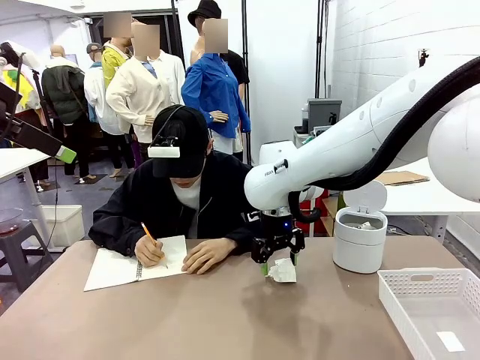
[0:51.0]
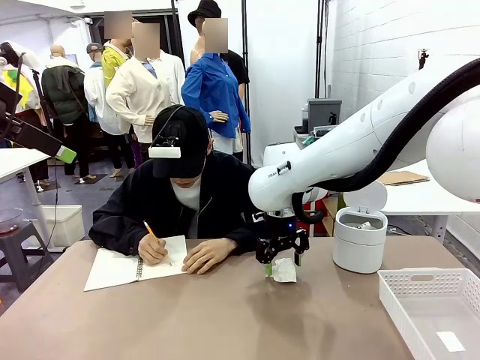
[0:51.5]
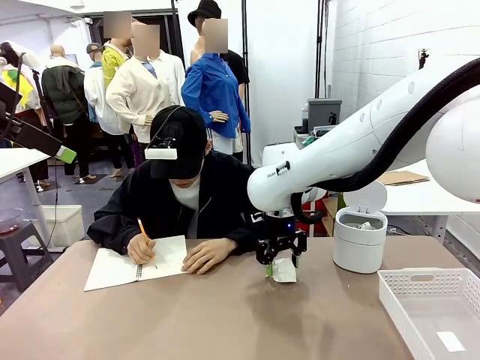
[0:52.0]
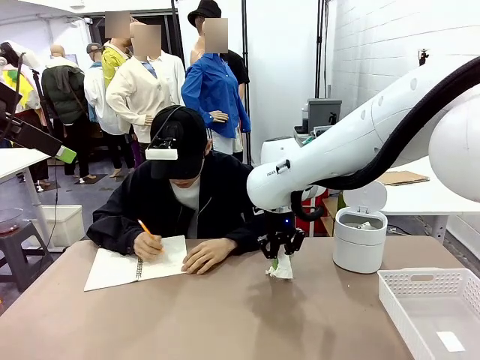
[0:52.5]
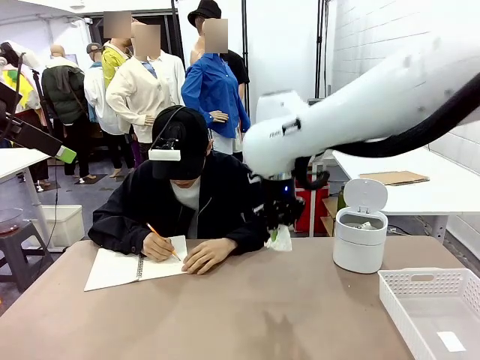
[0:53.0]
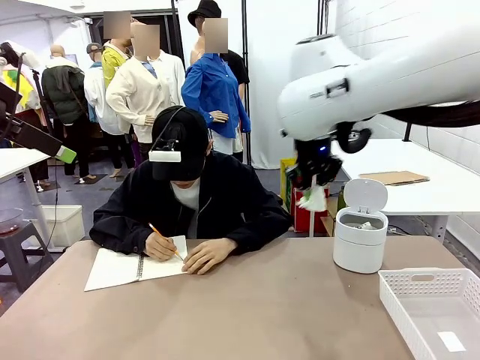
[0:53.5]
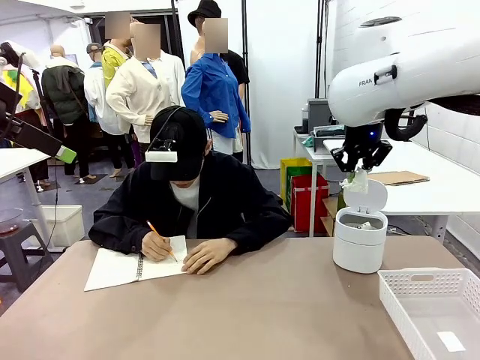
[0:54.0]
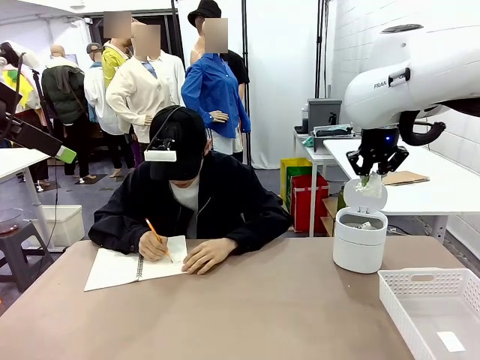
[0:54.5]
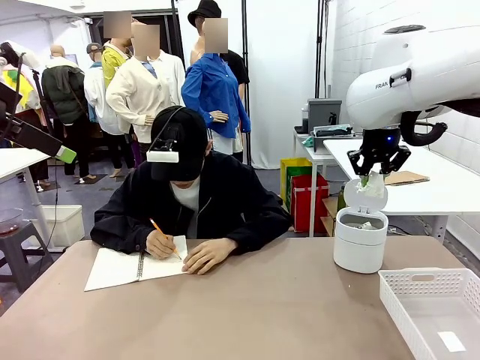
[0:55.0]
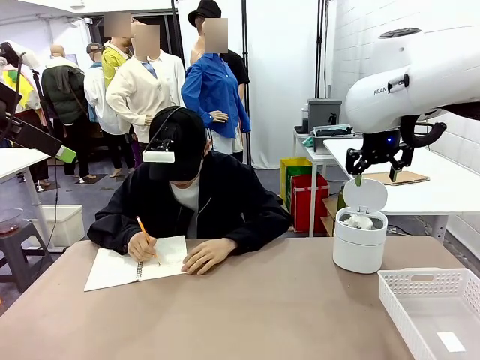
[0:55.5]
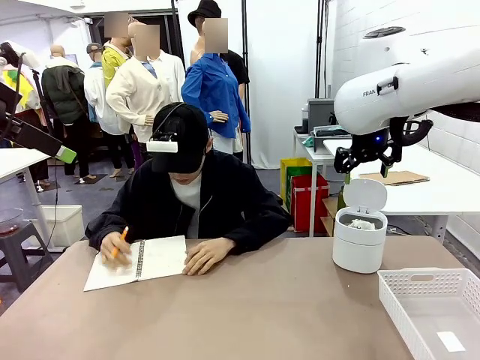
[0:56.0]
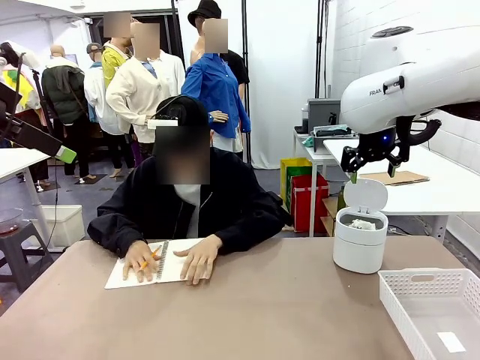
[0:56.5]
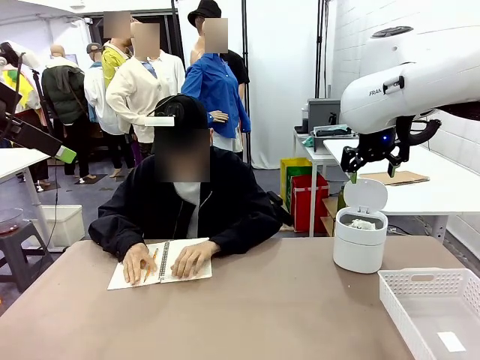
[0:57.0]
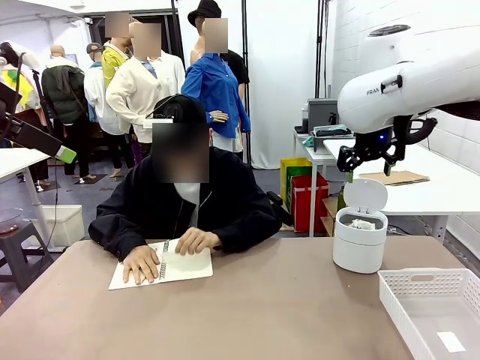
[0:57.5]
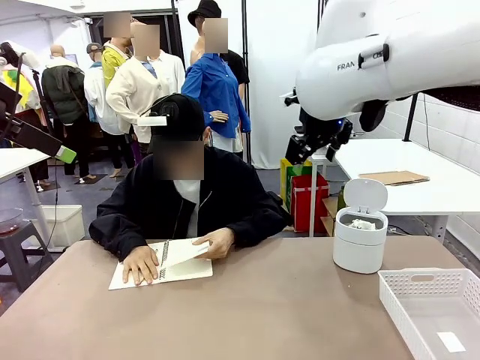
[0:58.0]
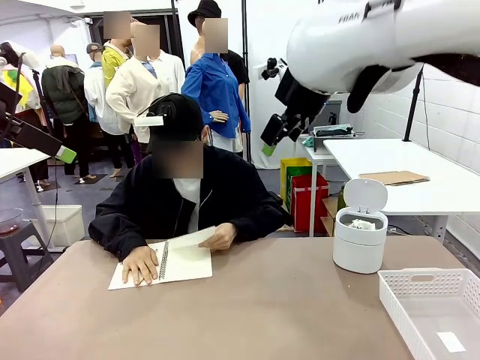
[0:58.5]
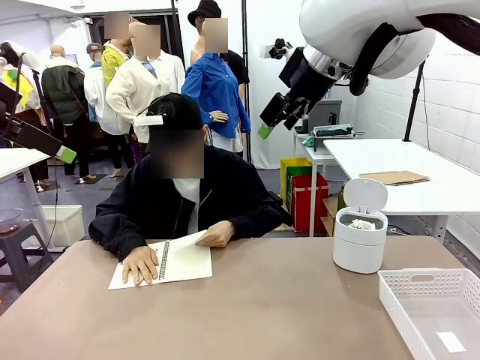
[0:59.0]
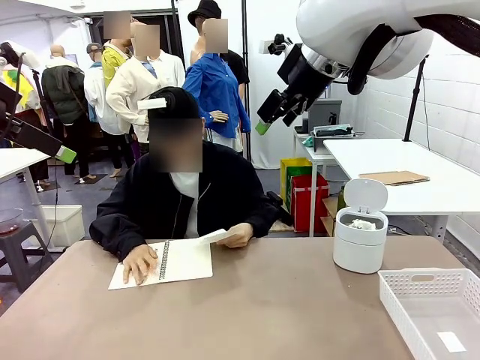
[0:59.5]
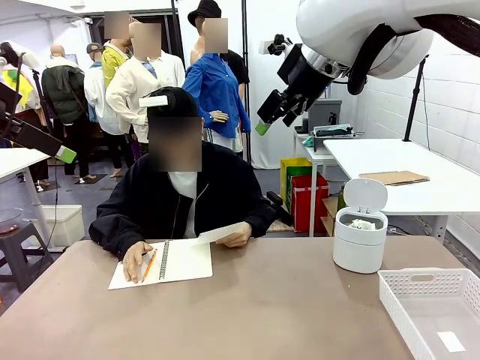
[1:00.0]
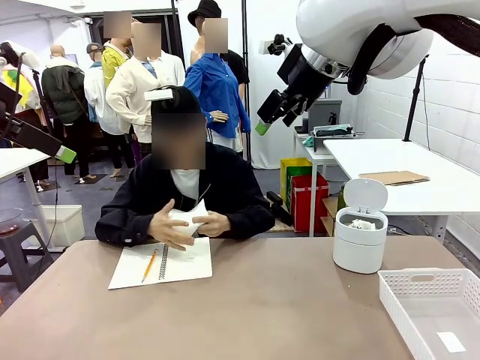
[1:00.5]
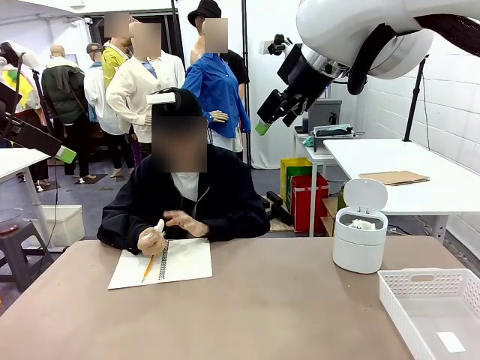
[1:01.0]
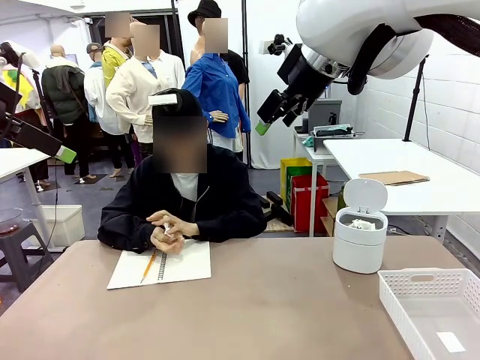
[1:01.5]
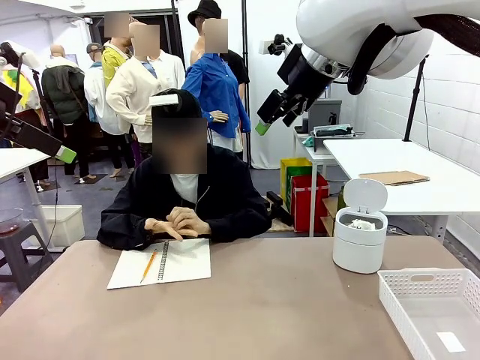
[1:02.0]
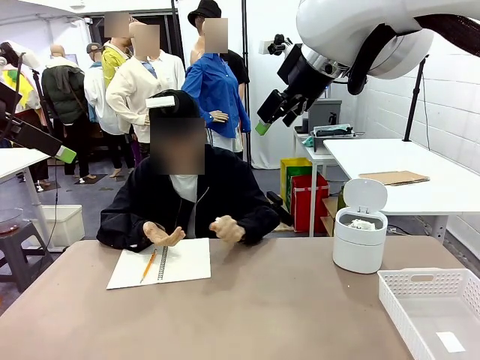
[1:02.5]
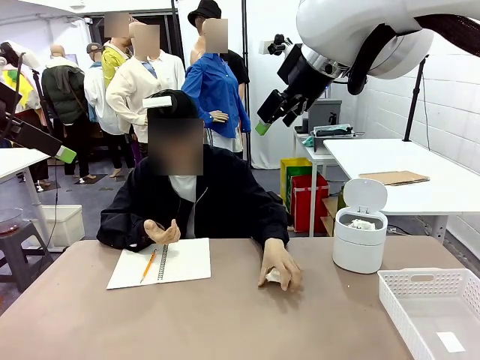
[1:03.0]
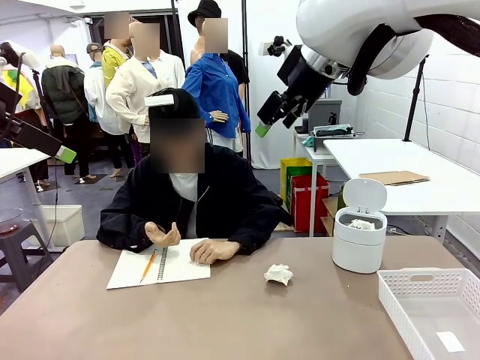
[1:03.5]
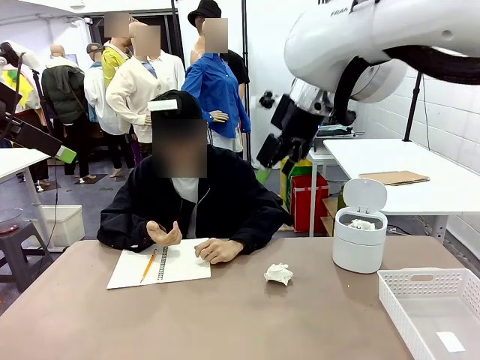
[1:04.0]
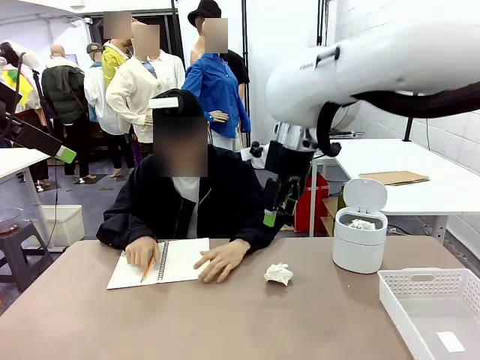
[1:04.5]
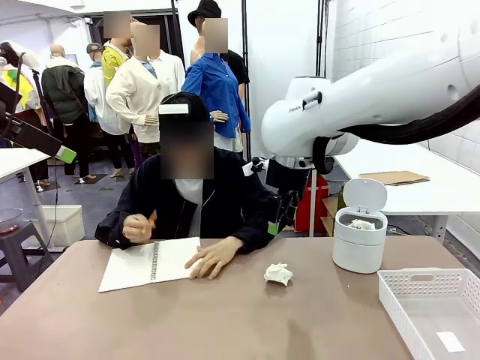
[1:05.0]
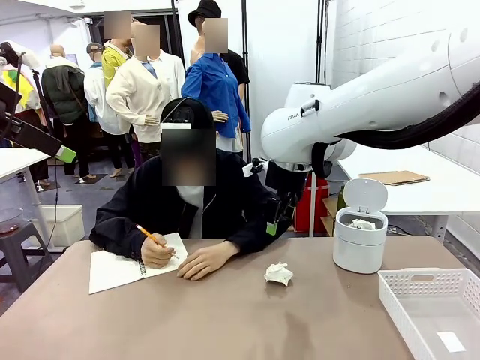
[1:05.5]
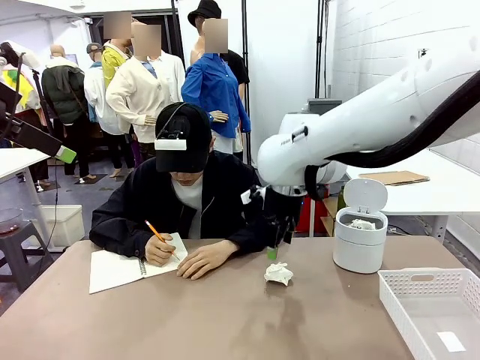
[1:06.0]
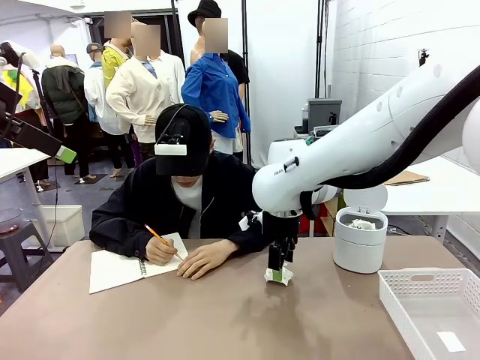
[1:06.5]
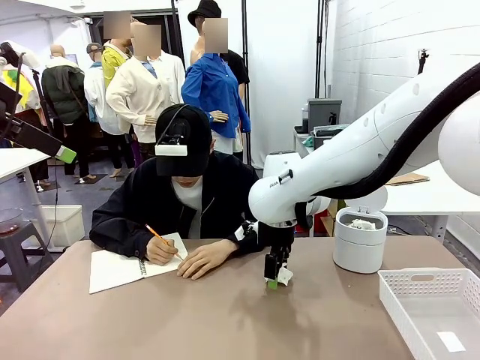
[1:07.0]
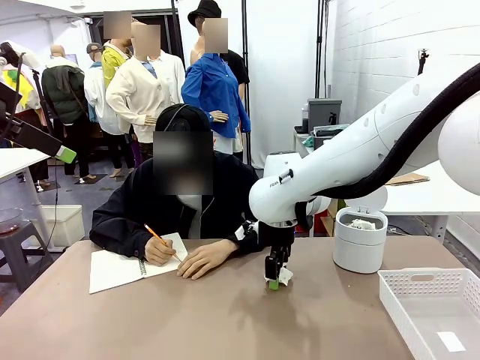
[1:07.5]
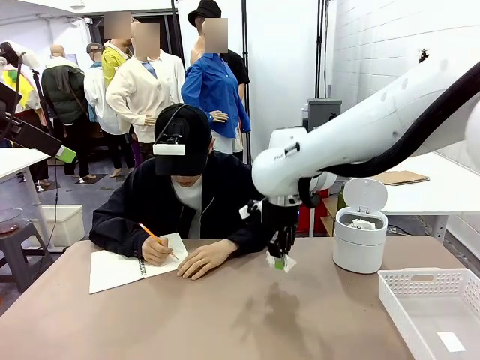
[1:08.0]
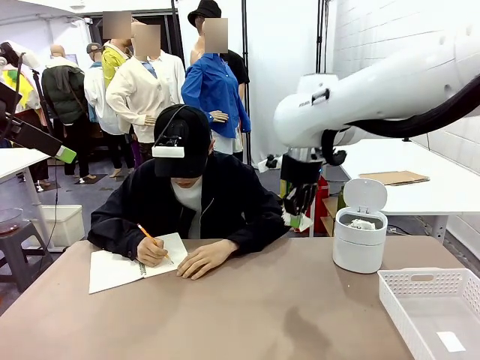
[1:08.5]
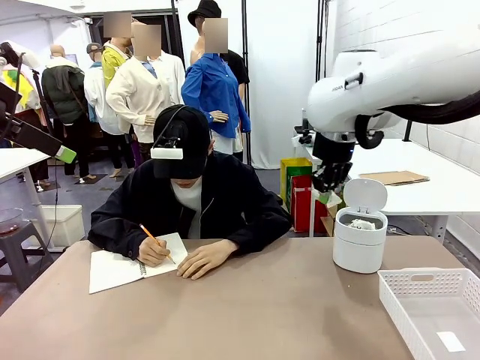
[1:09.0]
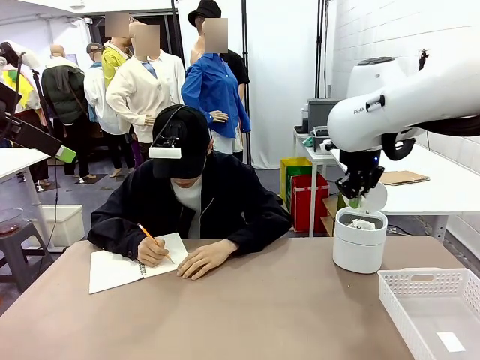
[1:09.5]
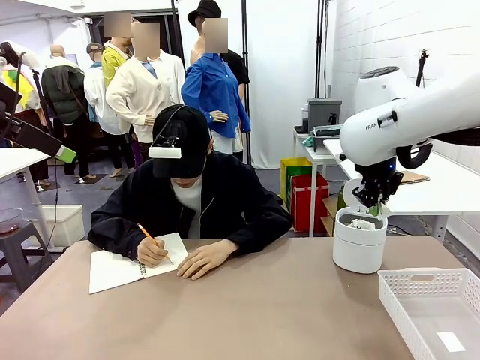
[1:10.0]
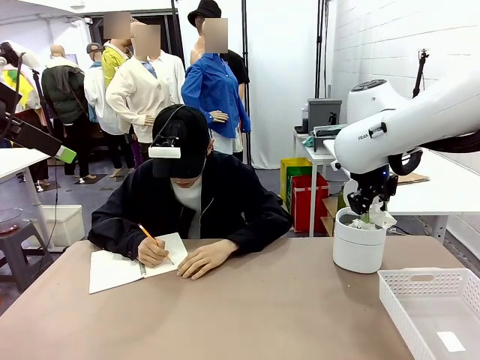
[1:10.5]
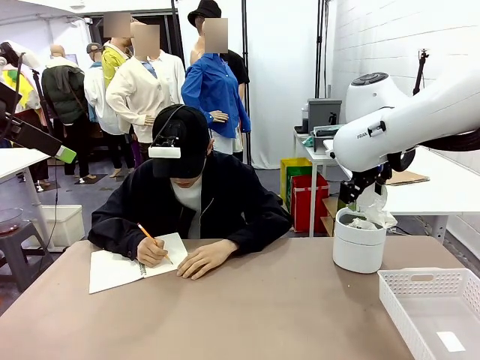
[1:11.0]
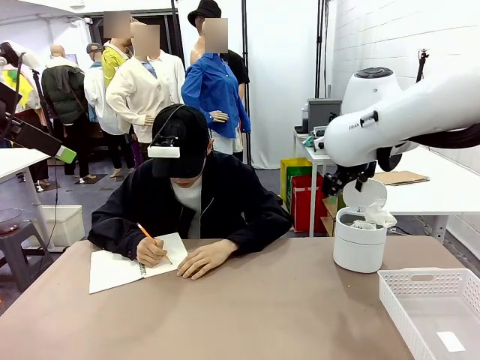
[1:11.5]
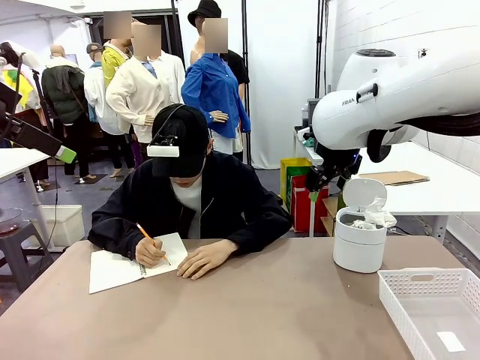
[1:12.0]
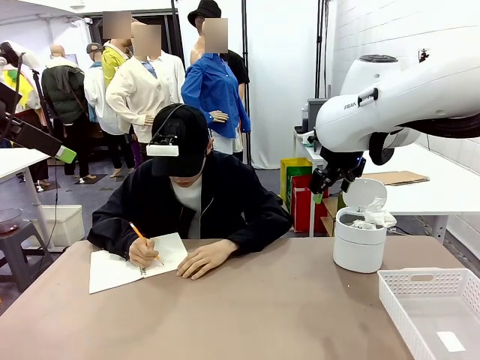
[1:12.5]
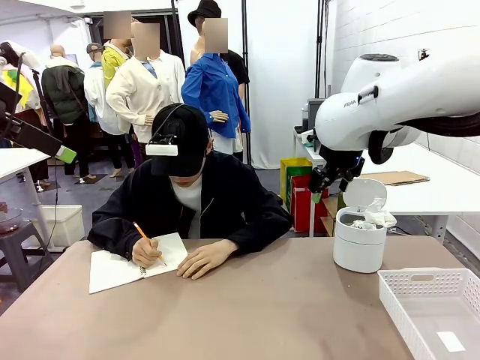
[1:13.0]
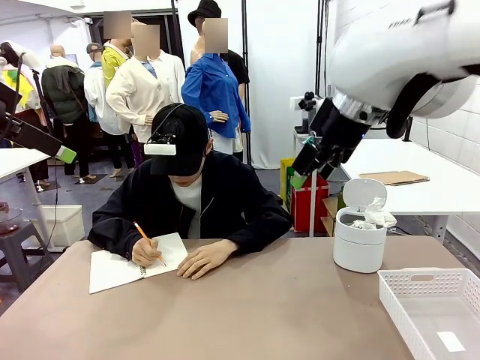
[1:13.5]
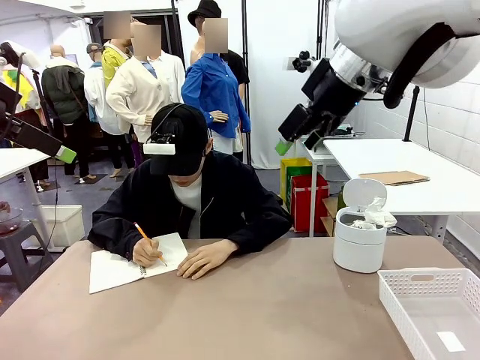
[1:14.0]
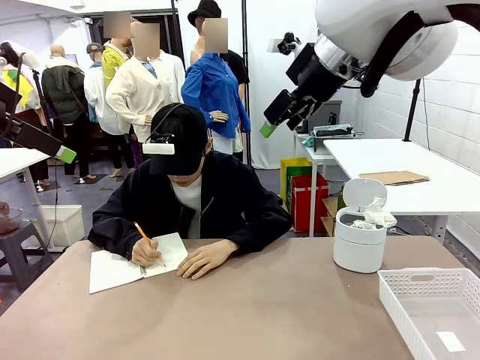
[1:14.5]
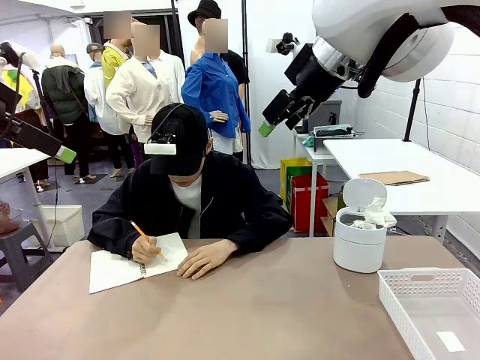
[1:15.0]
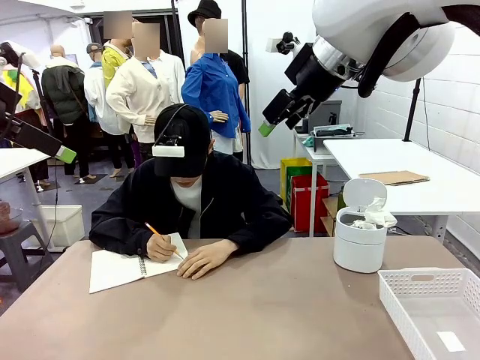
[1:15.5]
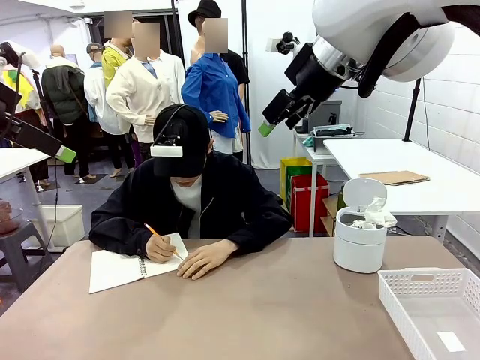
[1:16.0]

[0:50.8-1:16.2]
Task: Sort the paper based on its condition.
Robot: If a person hands you a paper, place it in the Organizing basket , and if it's crumpled, put it in the Trash can.
Person: Tear out a page from the spiral notebook. Hand the torn page to the robot or crumple it and throw it to the center of the table.
